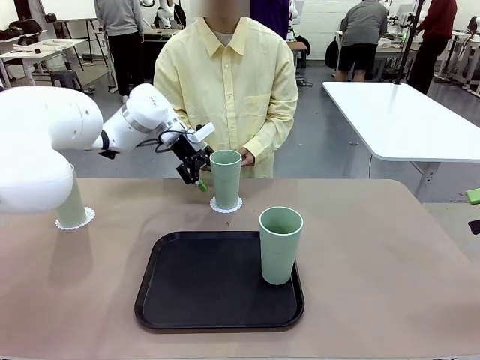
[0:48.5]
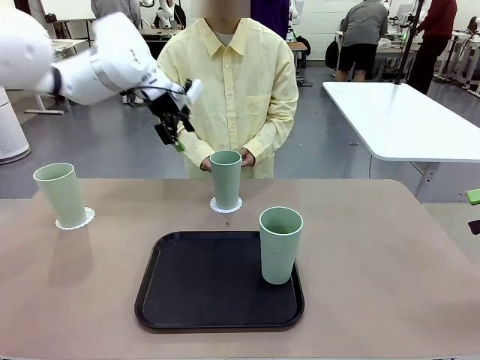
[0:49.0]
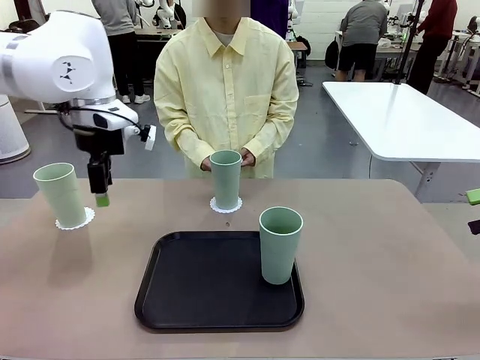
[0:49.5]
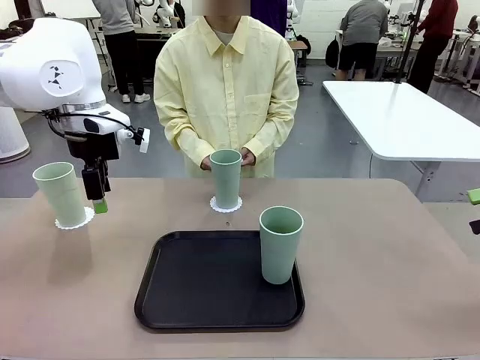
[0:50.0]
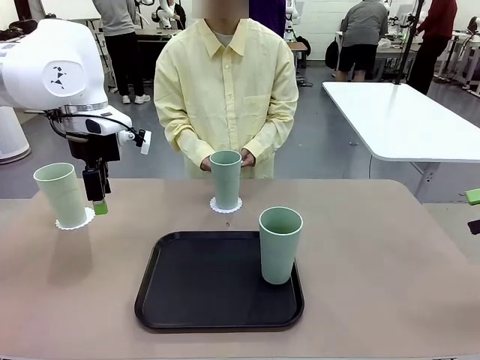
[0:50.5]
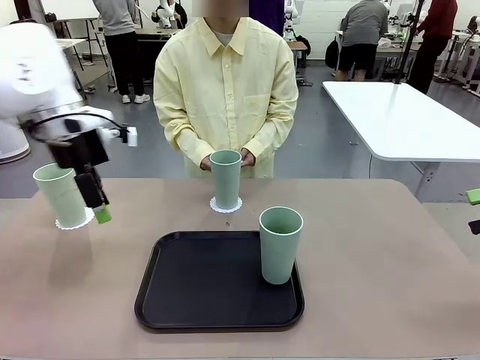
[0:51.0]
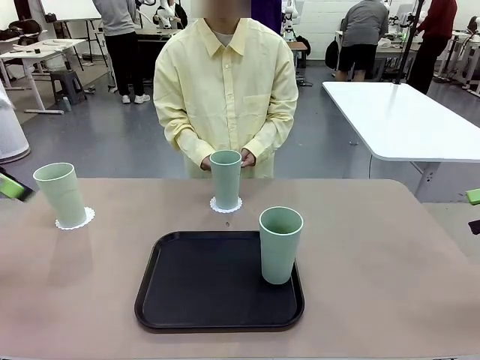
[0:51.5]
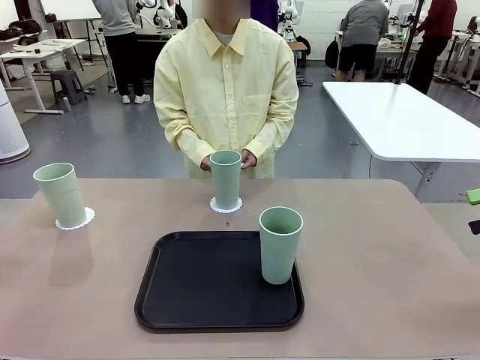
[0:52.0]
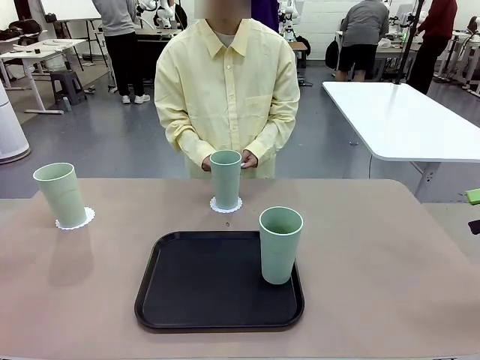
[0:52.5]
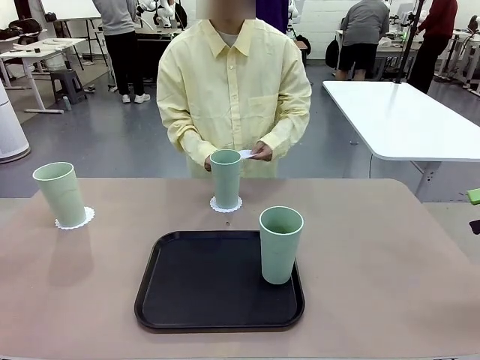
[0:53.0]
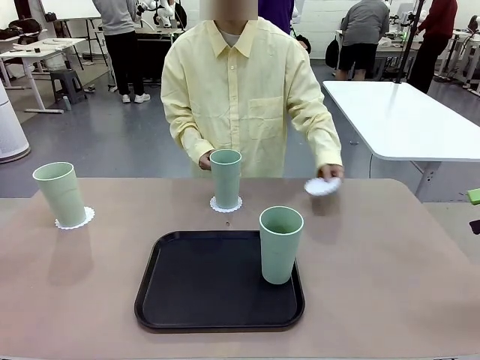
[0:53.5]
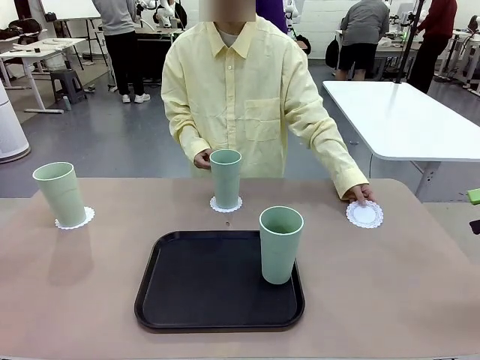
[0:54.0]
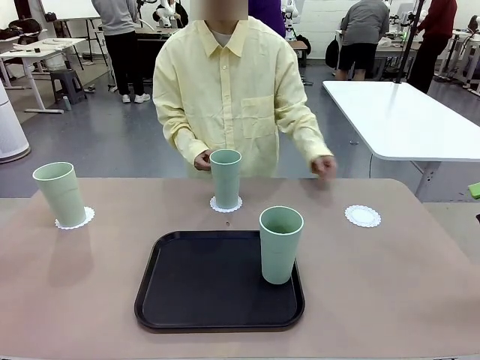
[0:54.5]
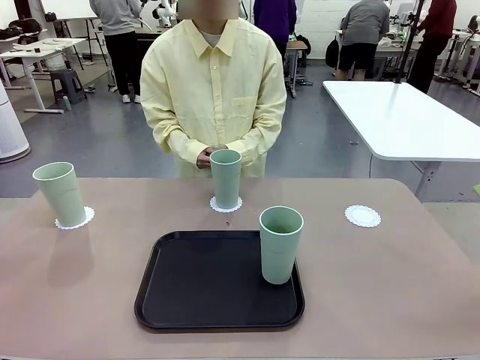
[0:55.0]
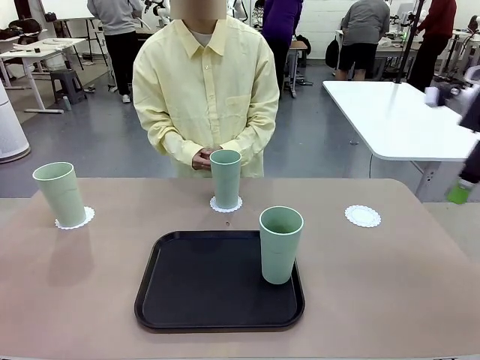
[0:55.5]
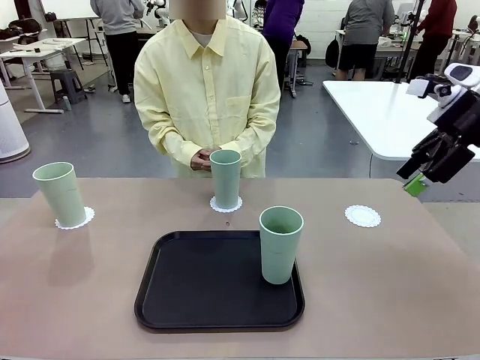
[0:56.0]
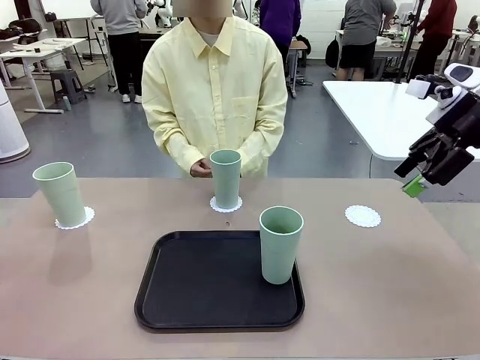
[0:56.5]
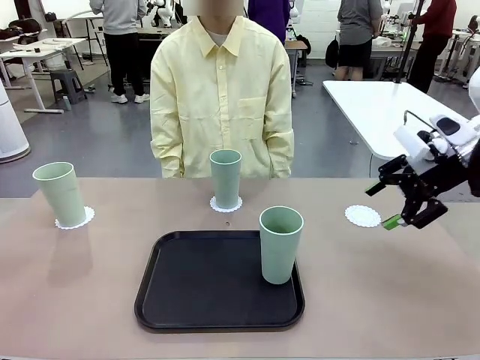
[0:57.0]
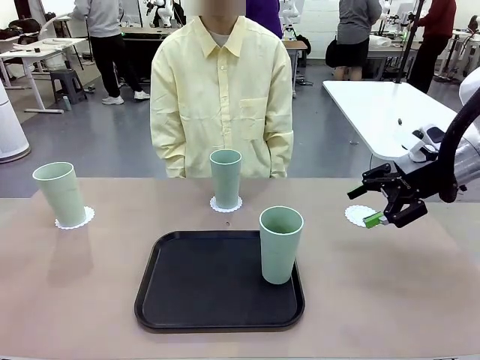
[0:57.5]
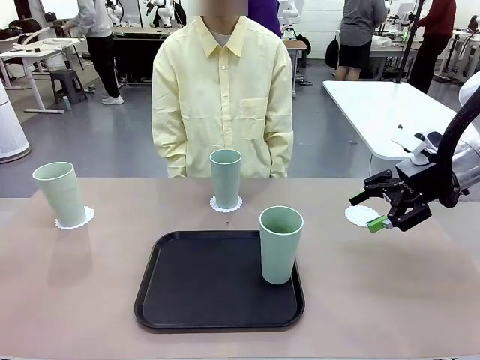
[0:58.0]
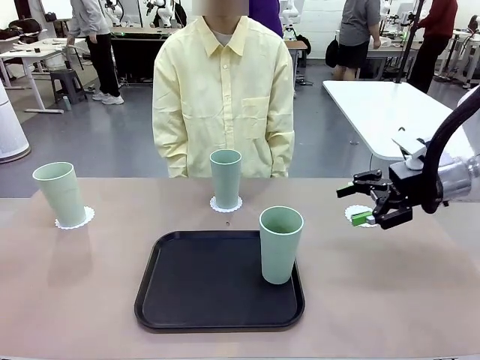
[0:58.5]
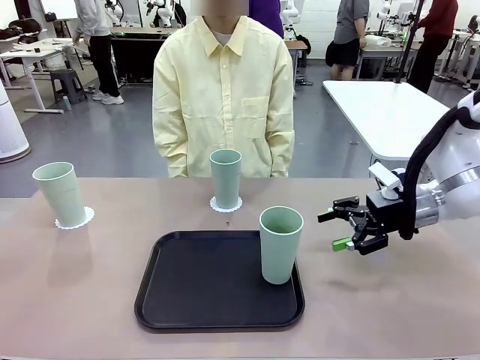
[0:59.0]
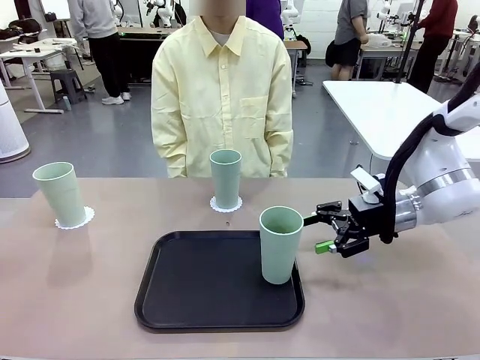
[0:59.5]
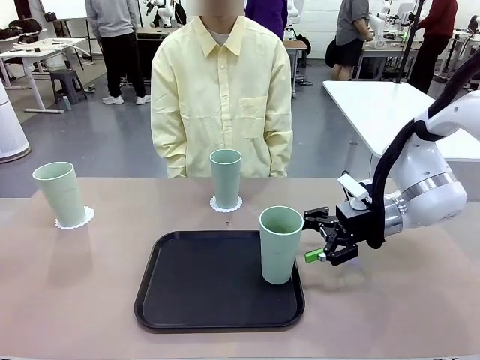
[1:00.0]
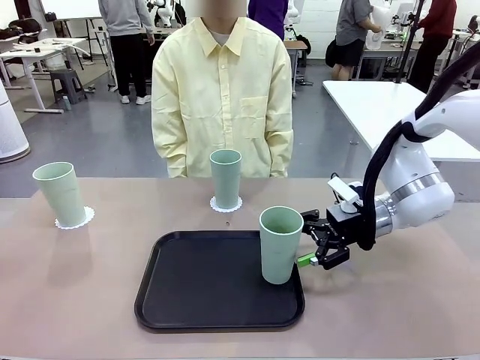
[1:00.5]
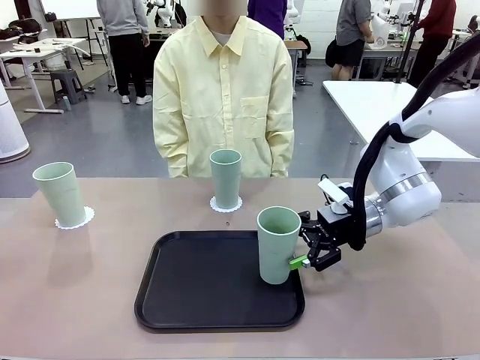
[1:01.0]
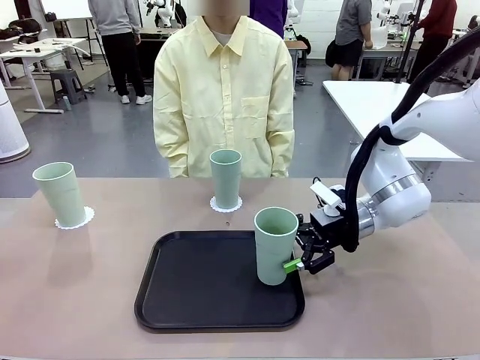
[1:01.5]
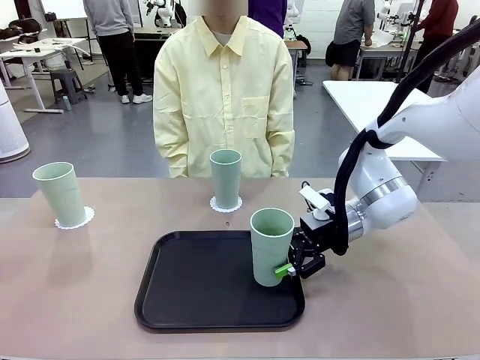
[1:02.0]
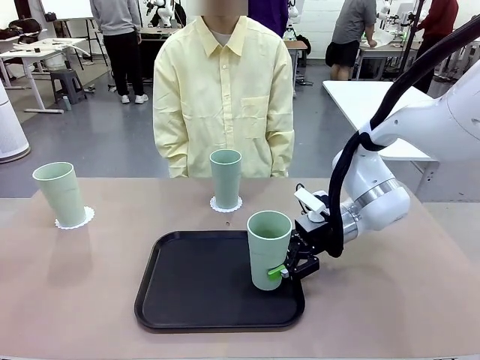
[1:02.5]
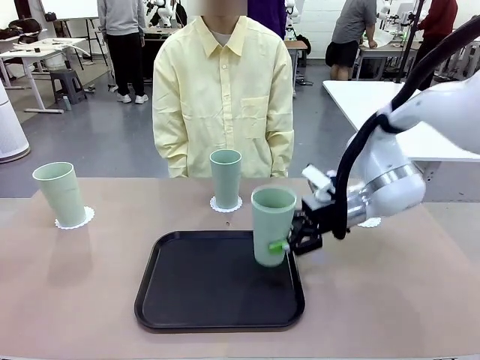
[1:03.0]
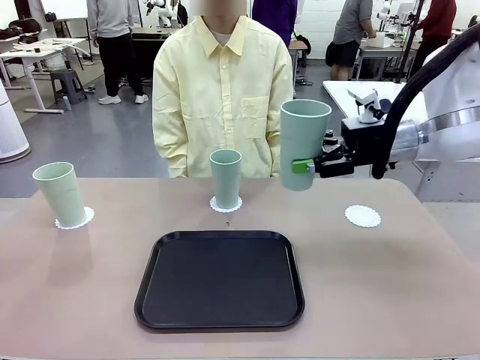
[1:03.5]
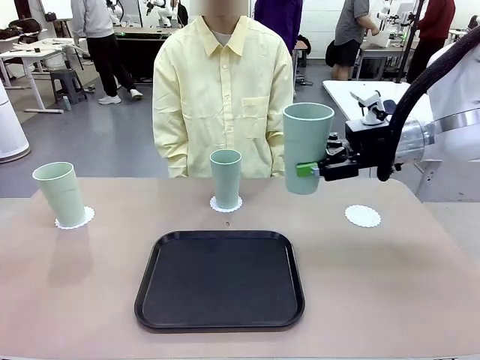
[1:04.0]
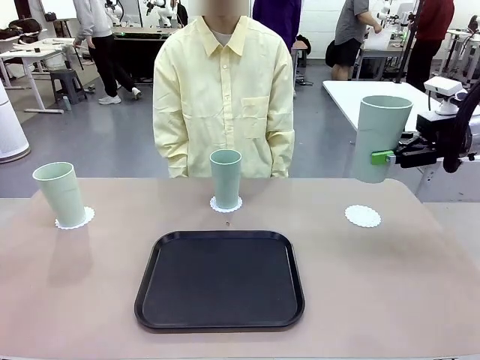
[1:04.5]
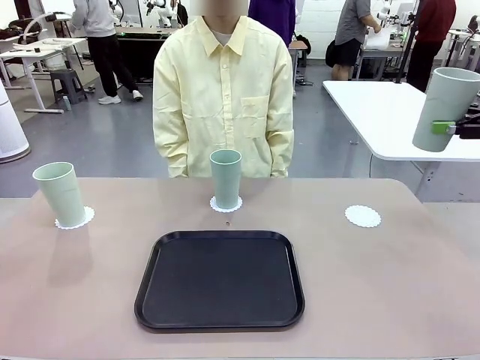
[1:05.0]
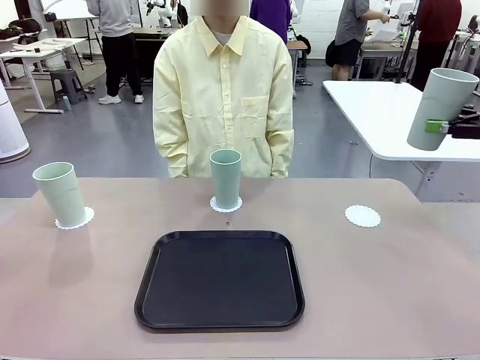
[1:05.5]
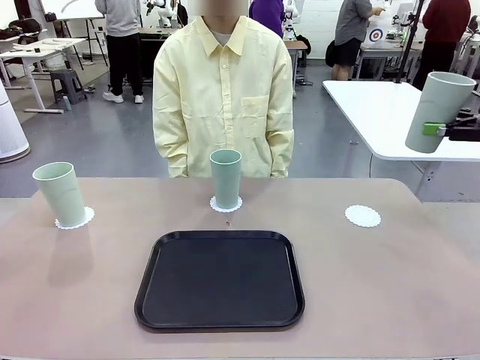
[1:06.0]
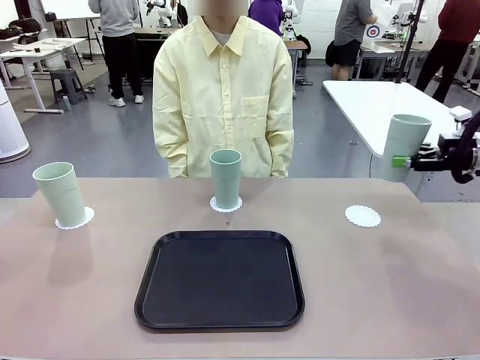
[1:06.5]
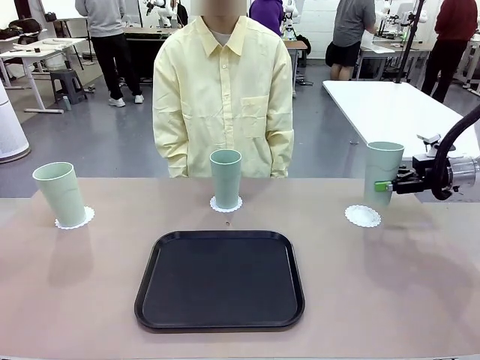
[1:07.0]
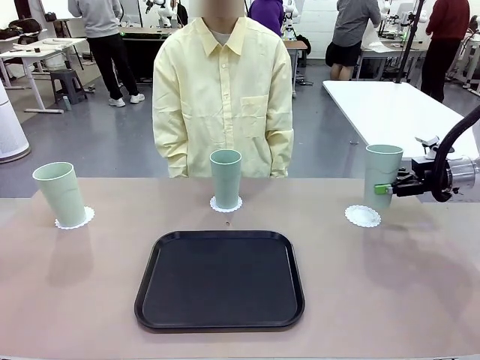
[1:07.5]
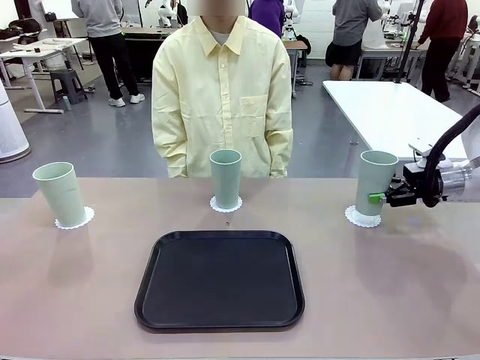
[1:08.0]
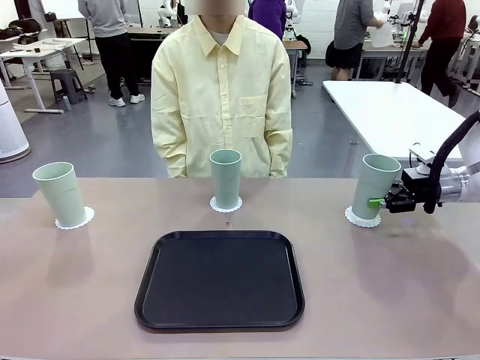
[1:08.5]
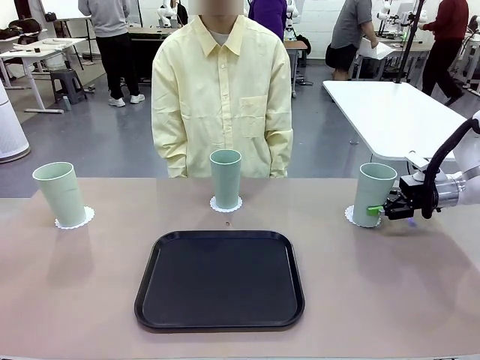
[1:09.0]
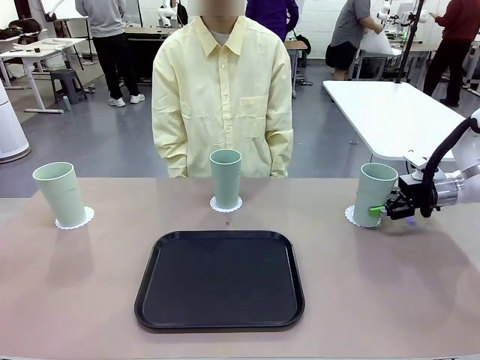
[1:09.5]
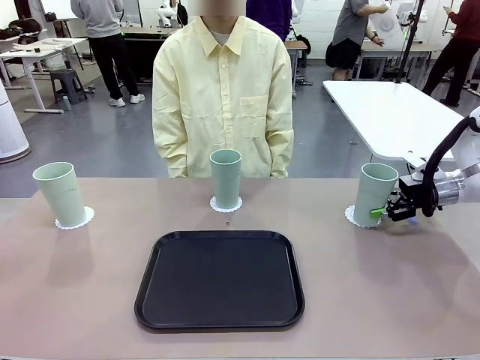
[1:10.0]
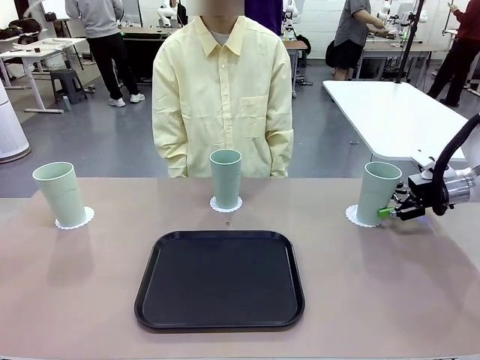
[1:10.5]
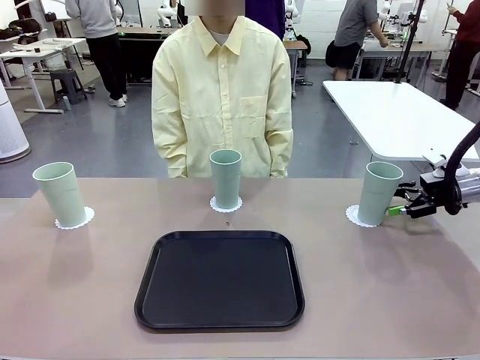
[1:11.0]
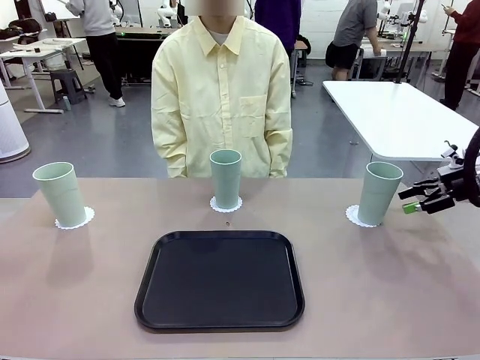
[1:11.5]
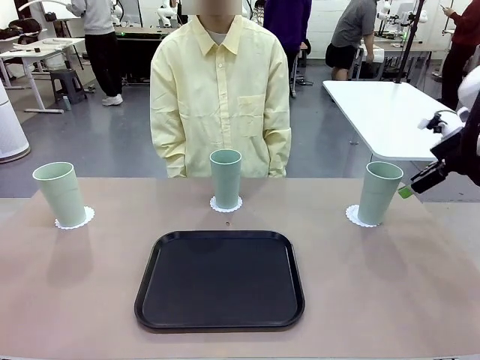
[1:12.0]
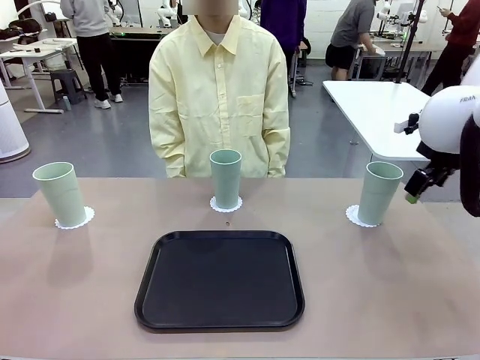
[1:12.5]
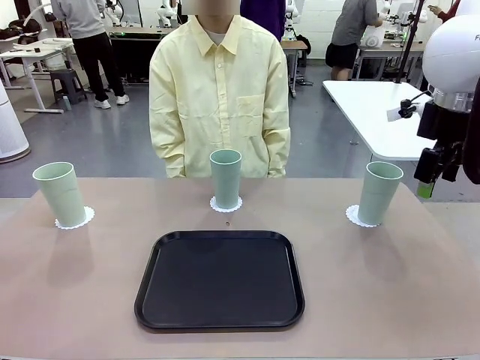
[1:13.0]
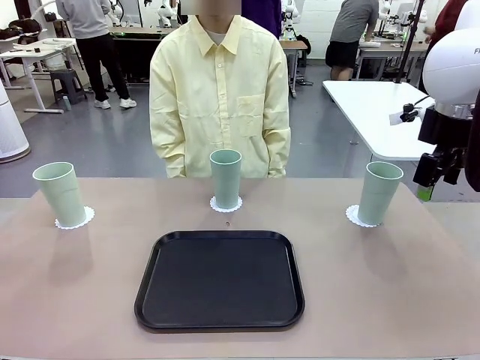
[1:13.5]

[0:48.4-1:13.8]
Task: Place coasters on the table and set cups on them.
Robot: Take one Reusable plastic cup from the Flat Tray and place it on a coaster set by the human.
Person: Place one coaster in the only remaining area.
